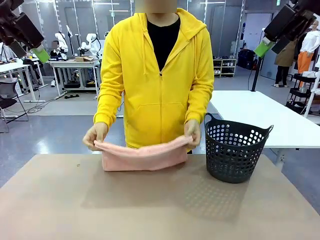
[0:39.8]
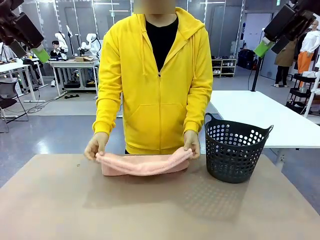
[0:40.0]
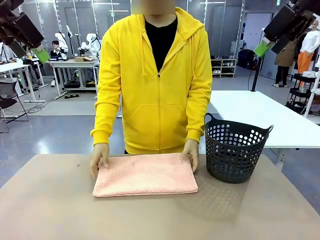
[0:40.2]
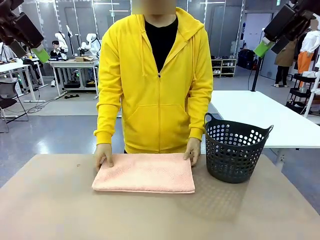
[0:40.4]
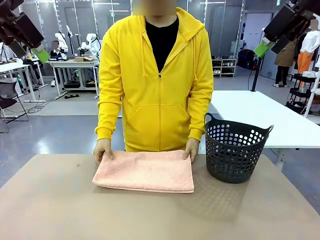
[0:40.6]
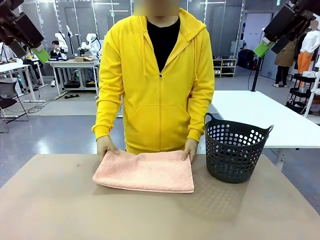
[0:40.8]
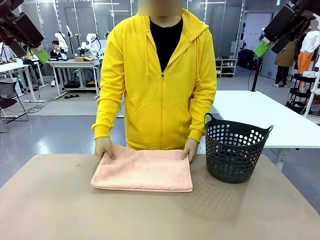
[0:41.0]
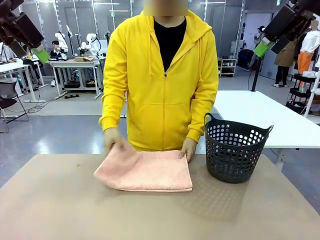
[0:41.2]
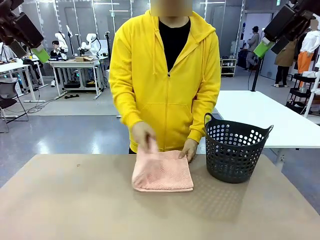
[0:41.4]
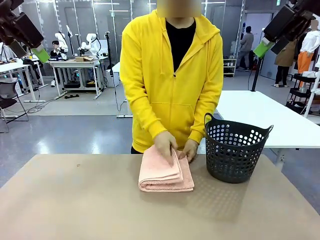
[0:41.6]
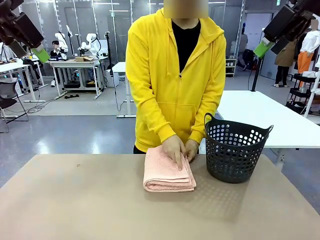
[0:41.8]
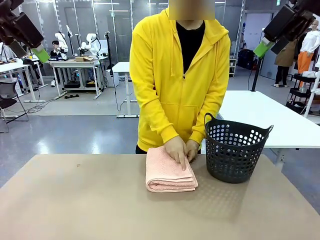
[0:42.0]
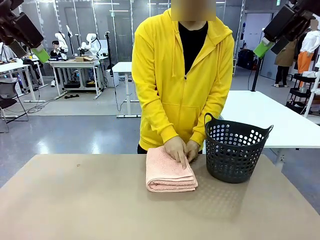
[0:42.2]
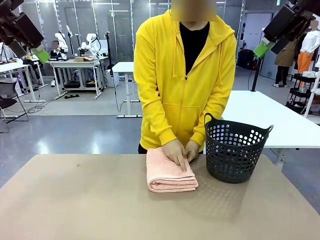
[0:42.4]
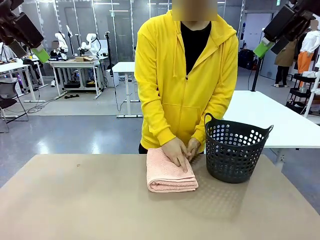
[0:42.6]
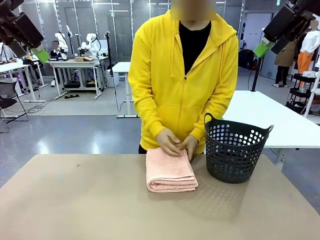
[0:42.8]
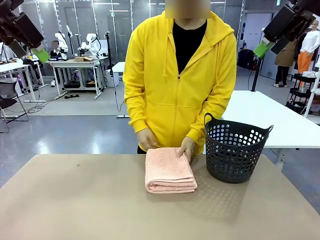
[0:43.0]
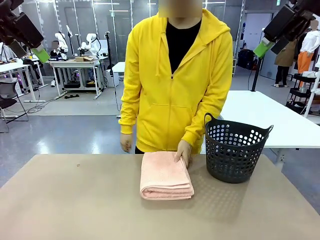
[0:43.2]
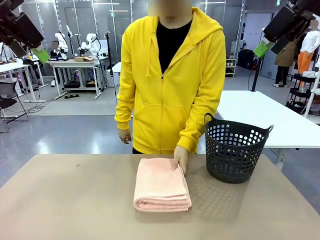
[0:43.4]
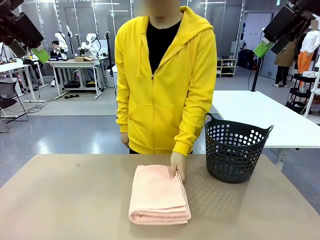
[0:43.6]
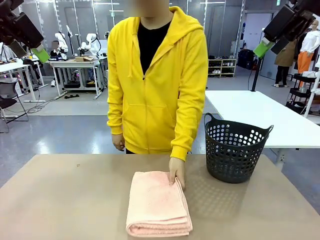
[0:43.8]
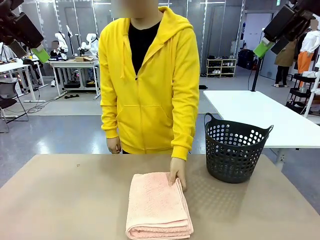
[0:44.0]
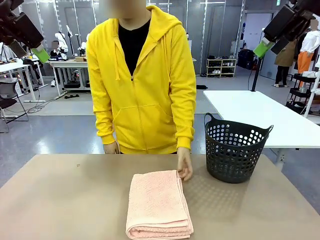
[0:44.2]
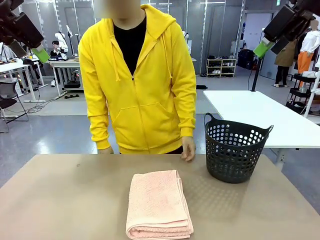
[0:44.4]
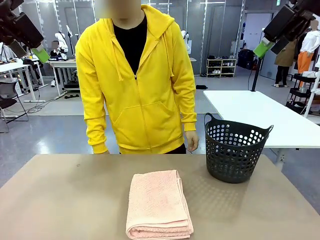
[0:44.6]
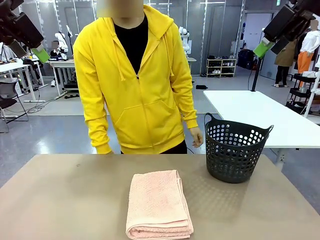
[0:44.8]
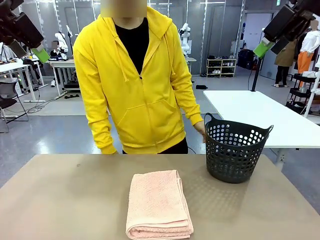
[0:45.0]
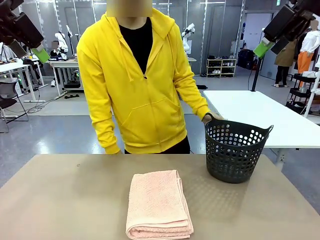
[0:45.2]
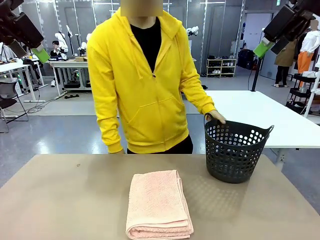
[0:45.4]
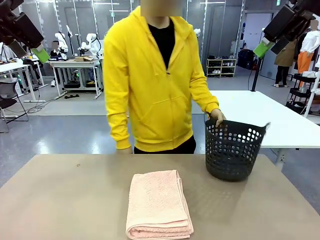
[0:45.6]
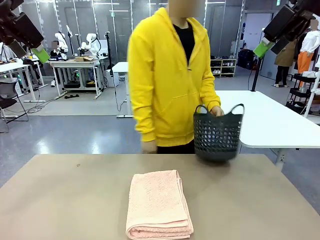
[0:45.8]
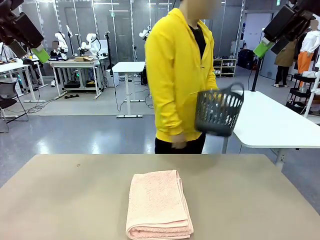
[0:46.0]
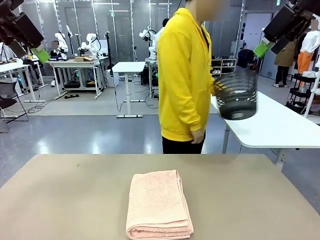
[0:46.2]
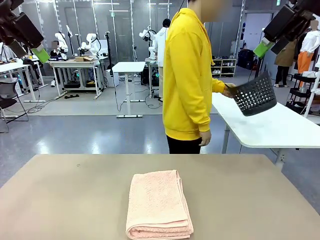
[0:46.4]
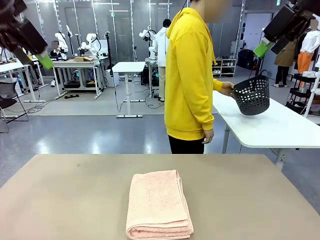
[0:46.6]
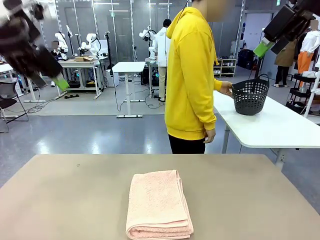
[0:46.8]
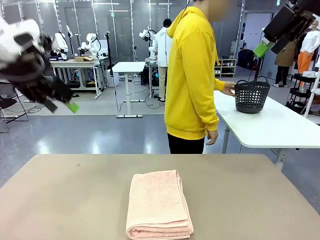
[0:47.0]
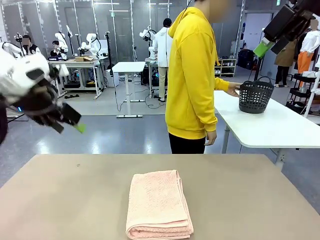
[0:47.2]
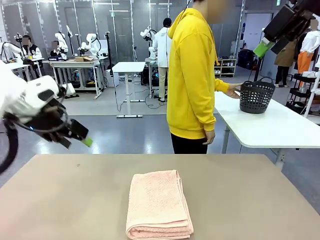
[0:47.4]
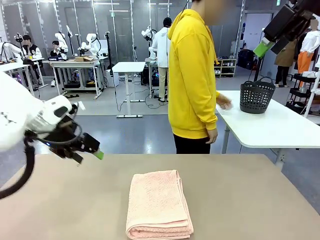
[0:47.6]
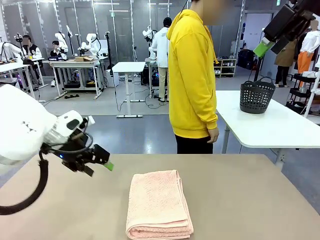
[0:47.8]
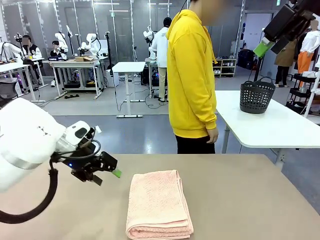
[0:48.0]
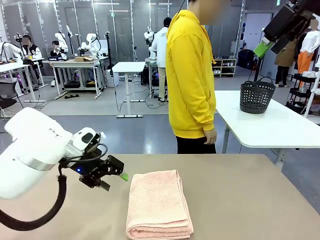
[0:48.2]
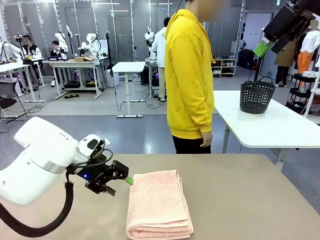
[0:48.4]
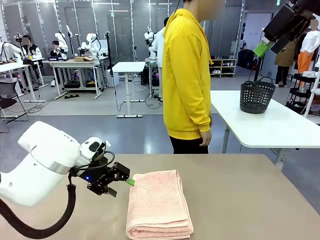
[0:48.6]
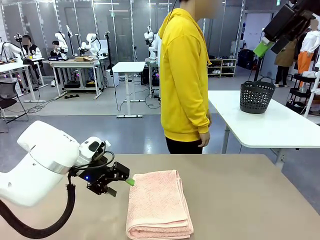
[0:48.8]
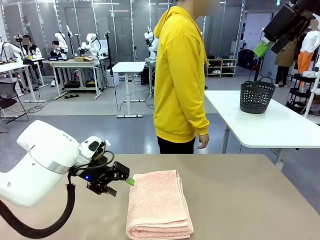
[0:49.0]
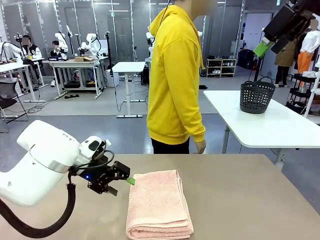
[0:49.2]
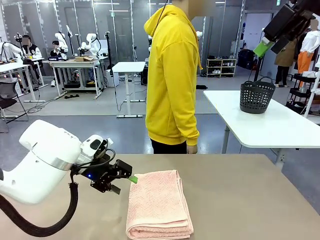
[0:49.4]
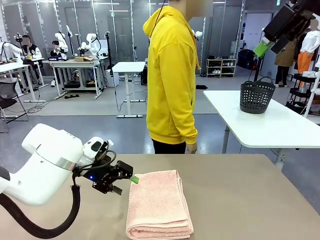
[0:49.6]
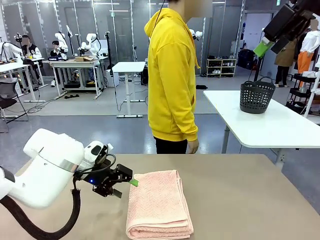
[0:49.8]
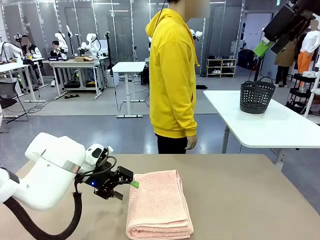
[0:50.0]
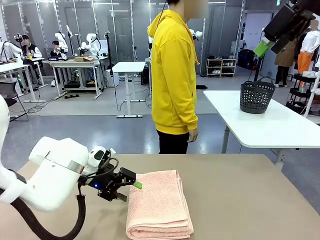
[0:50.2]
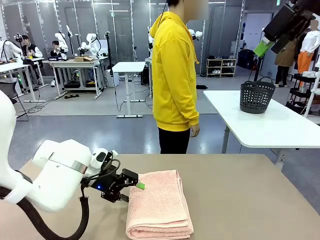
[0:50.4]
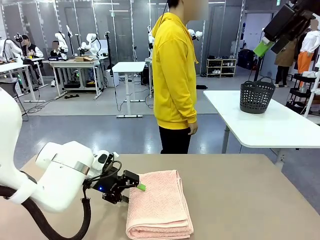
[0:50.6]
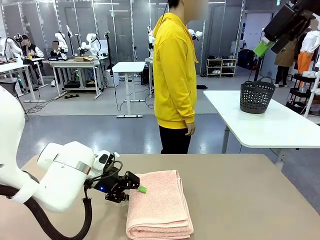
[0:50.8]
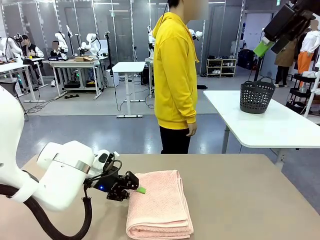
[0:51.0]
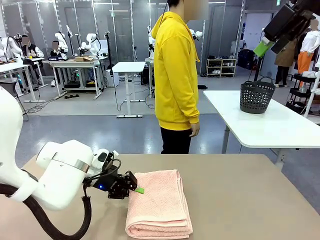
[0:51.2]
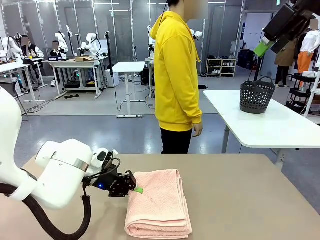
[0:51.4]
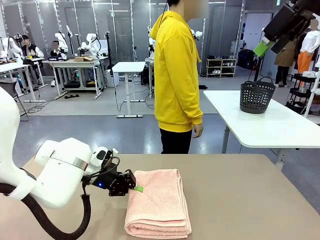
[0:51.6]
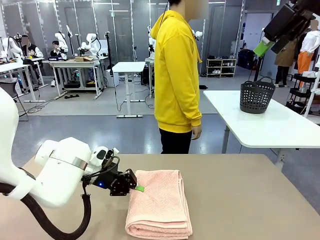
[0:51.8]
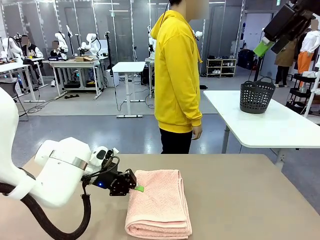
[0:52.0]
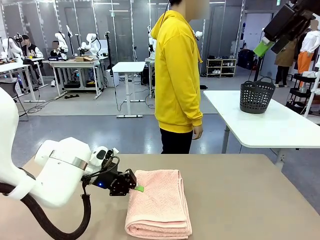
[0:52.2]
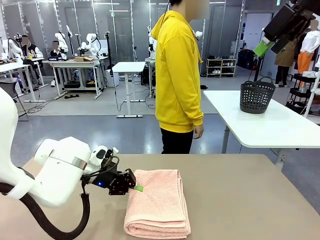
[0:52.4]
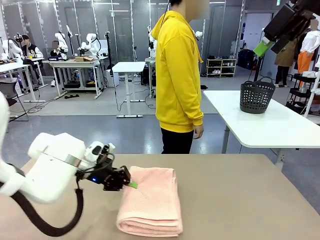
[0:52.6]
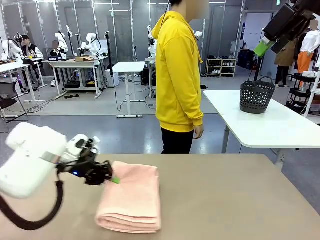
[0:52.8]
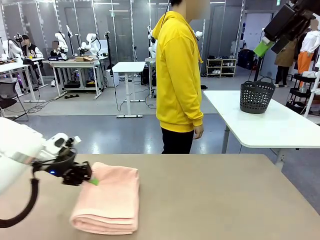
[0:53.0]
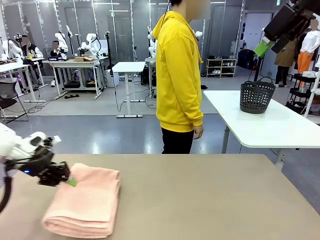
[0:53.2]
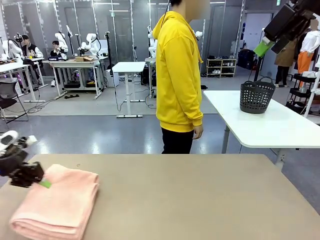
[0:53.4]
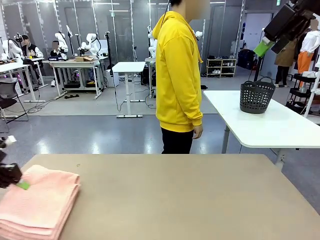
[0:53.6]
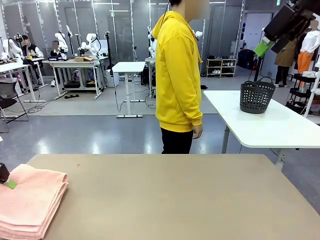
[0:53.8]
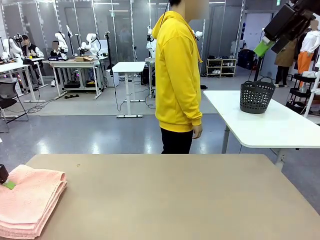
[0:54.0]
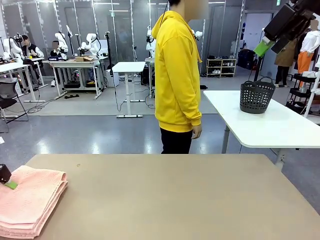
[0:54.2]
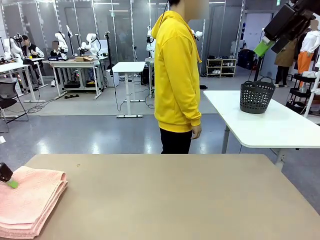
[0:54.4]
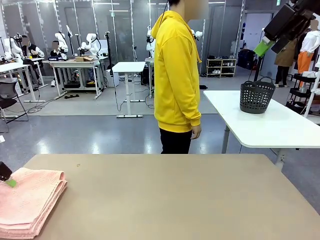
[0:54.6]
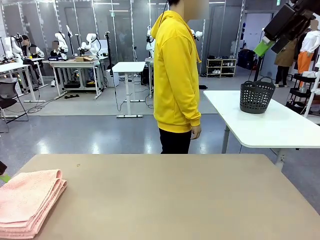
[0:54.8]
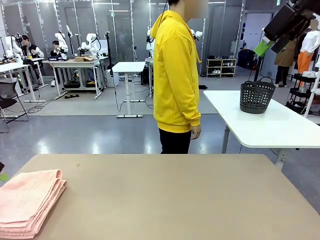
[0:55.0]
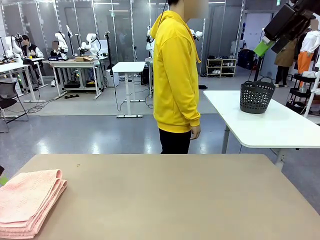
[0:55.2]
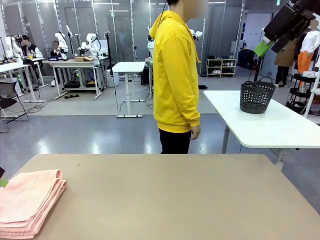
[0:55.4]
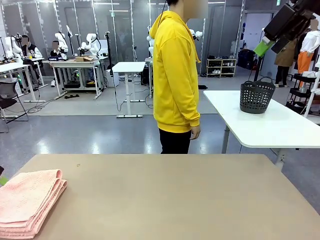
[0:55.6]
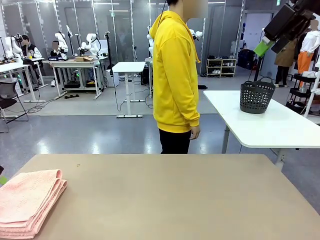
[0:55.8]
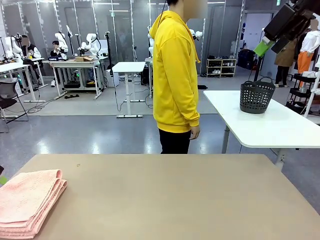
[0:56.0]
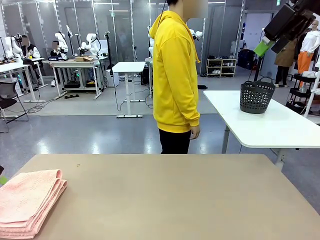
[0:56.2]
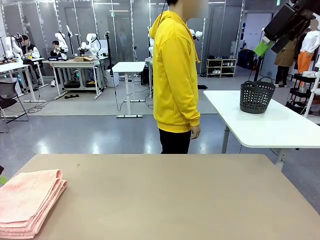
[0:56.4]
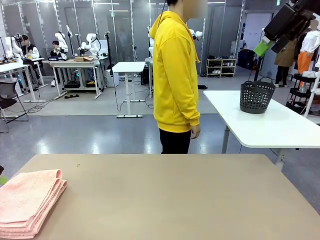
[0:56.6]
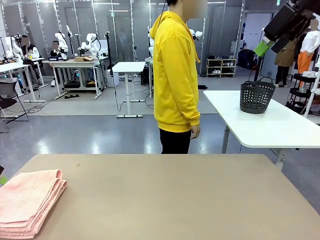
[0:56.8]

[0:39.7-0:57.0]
Task: Fold the towel.
Robot: Pick up the 100 cm Hotel Towel and place it on the left side of the table.
Person: Place the towel at the center of the robot table and fold it in half. Pick up the laundry basket and place it at the center of the human table.
